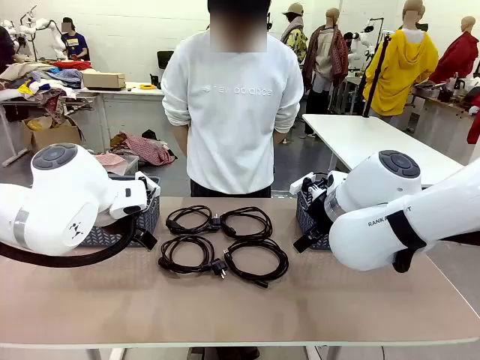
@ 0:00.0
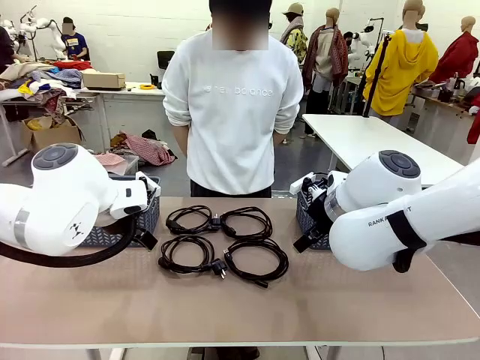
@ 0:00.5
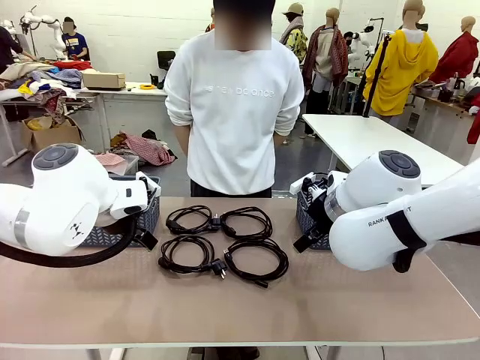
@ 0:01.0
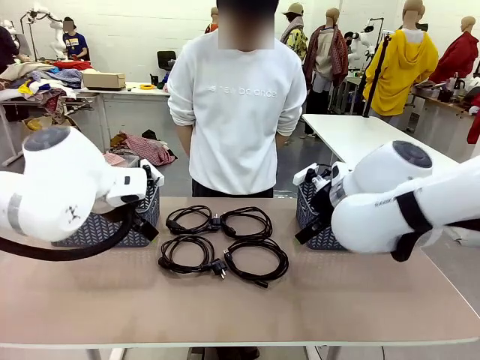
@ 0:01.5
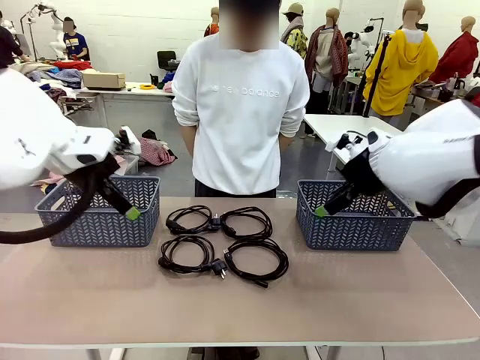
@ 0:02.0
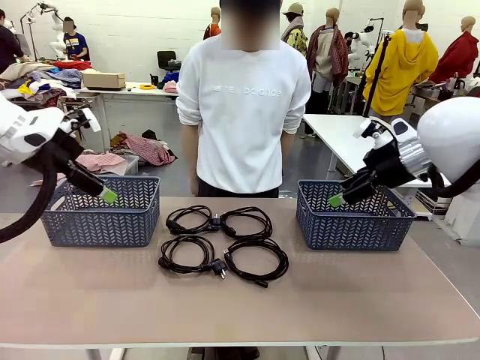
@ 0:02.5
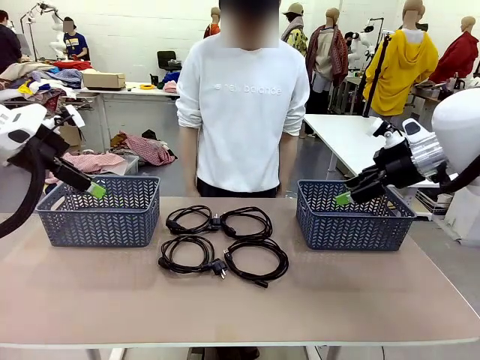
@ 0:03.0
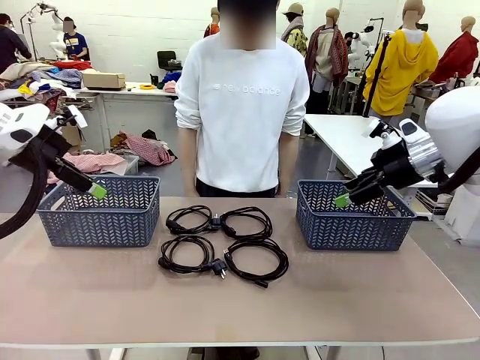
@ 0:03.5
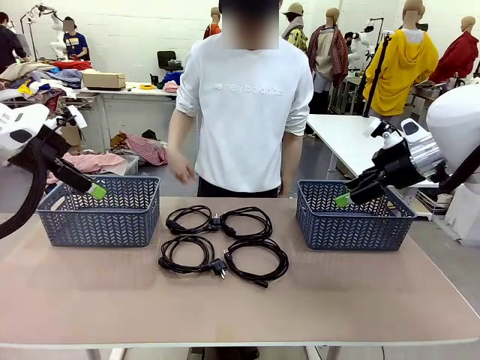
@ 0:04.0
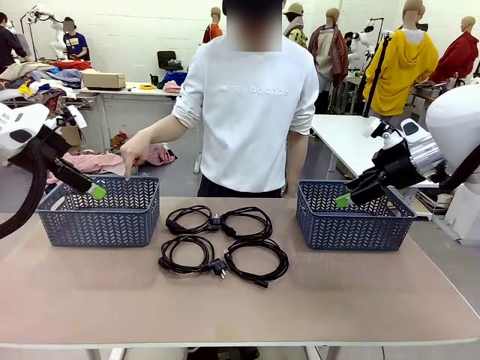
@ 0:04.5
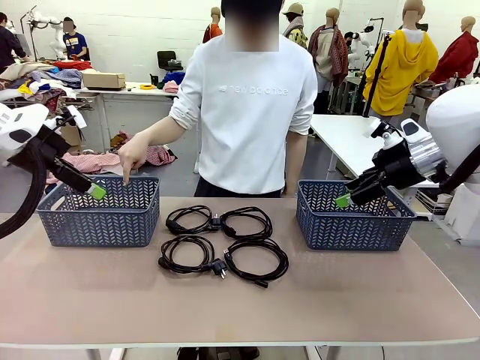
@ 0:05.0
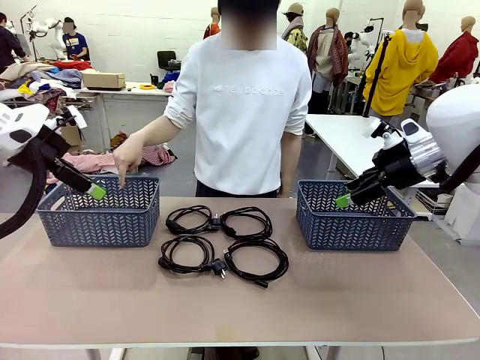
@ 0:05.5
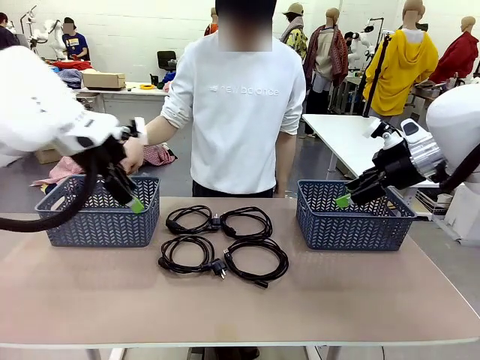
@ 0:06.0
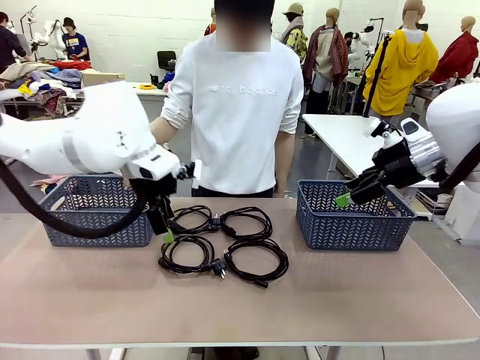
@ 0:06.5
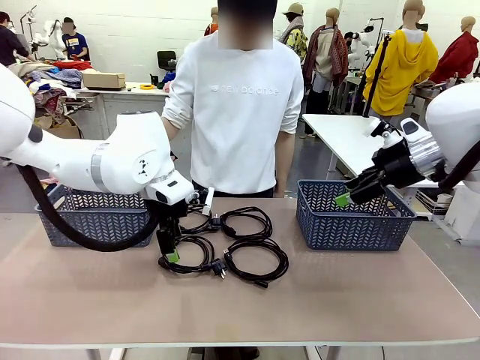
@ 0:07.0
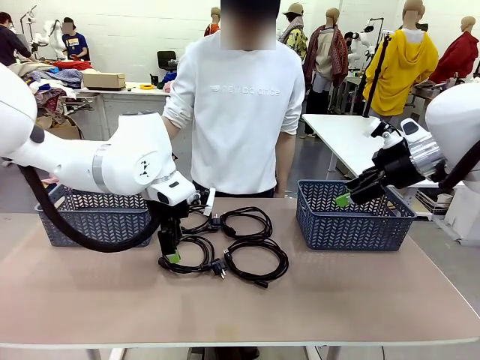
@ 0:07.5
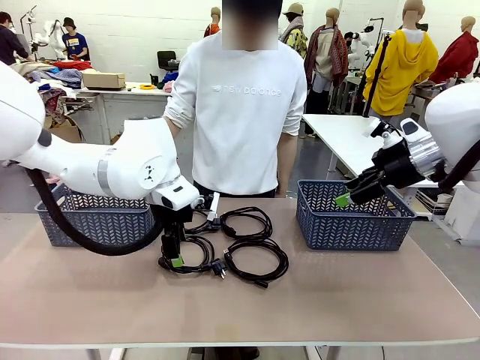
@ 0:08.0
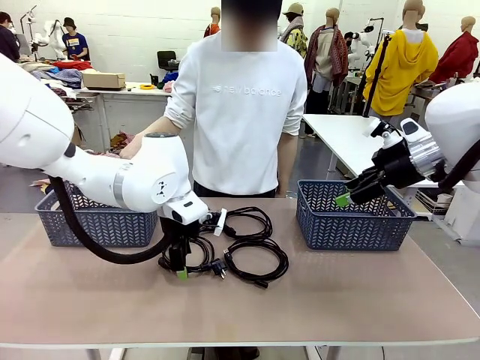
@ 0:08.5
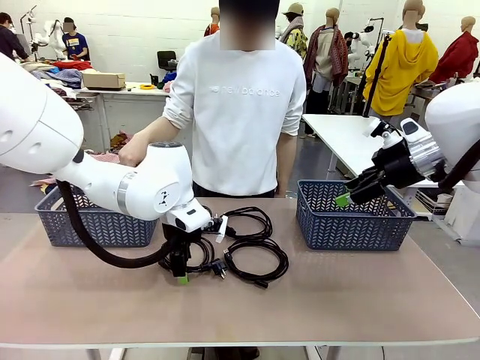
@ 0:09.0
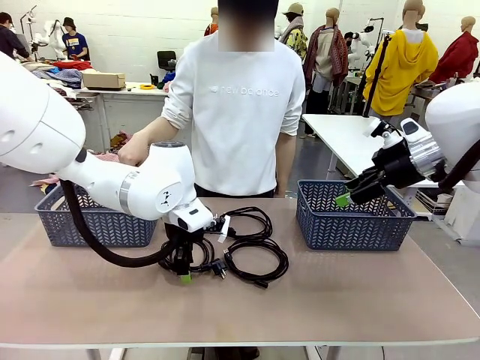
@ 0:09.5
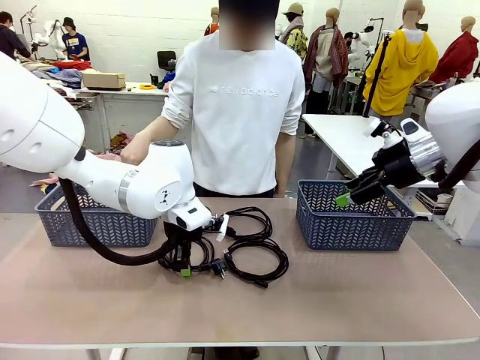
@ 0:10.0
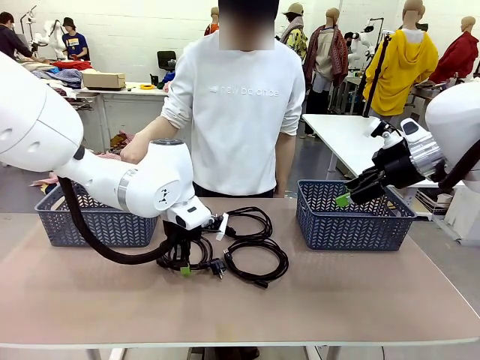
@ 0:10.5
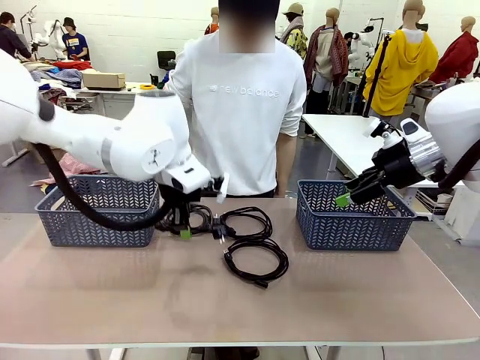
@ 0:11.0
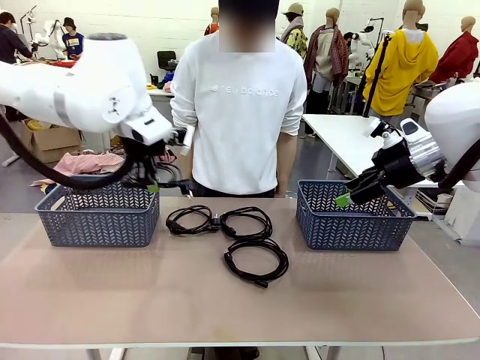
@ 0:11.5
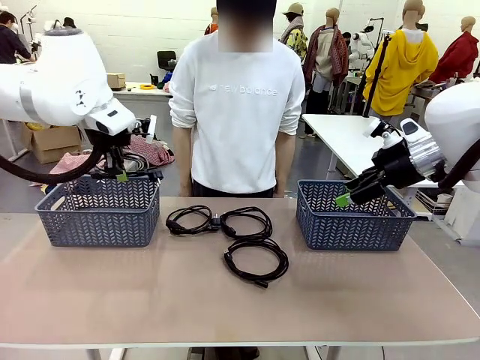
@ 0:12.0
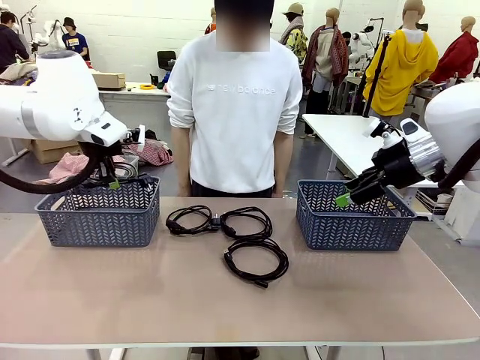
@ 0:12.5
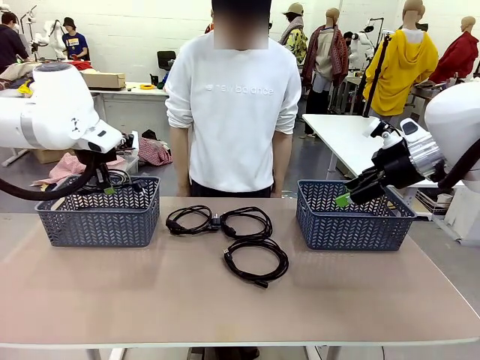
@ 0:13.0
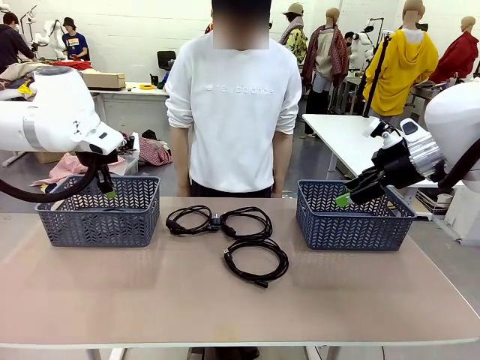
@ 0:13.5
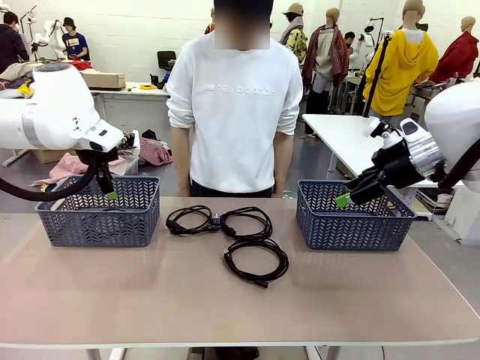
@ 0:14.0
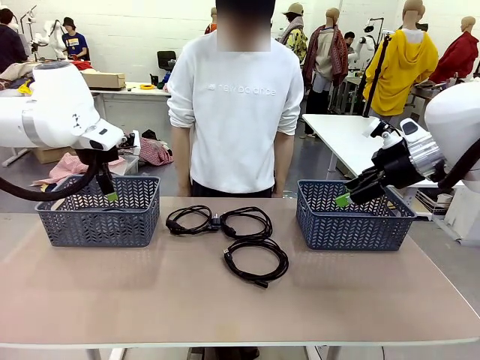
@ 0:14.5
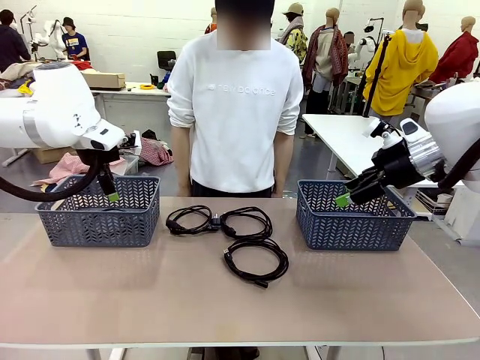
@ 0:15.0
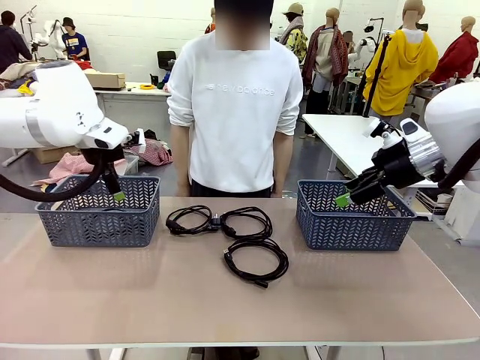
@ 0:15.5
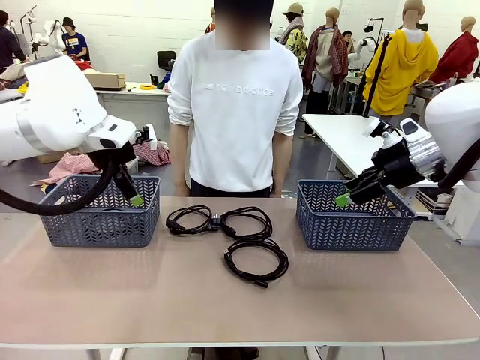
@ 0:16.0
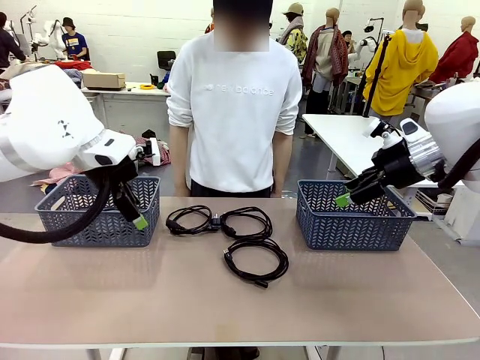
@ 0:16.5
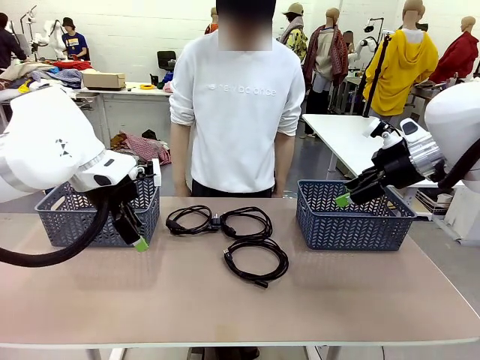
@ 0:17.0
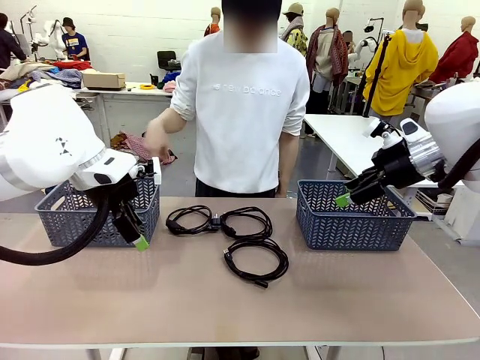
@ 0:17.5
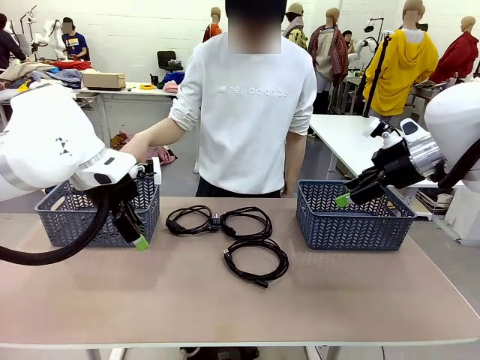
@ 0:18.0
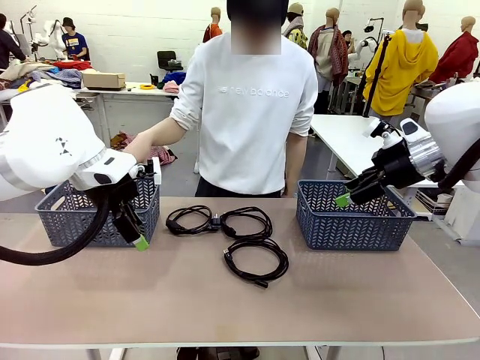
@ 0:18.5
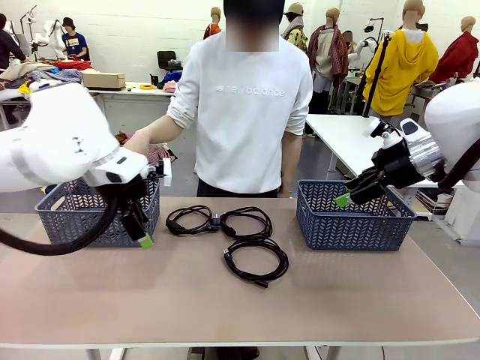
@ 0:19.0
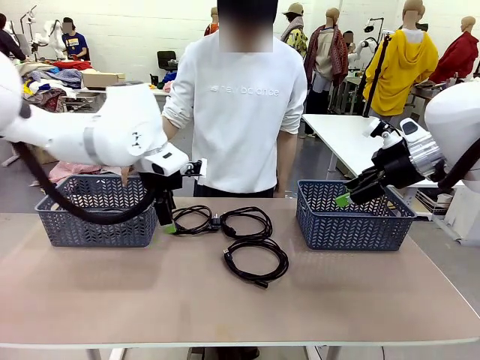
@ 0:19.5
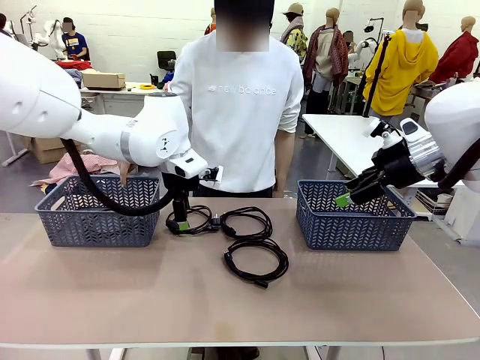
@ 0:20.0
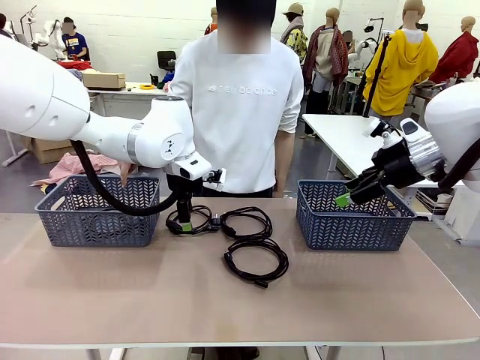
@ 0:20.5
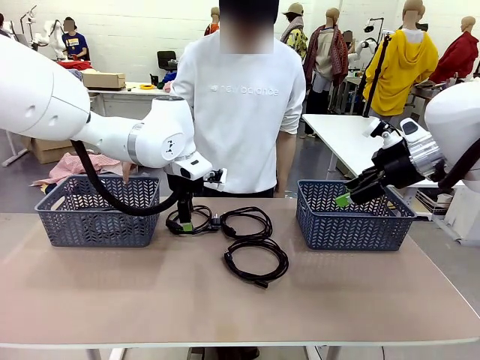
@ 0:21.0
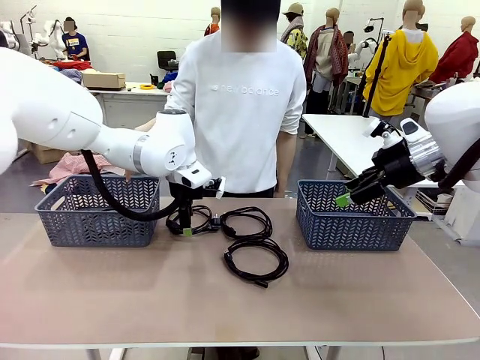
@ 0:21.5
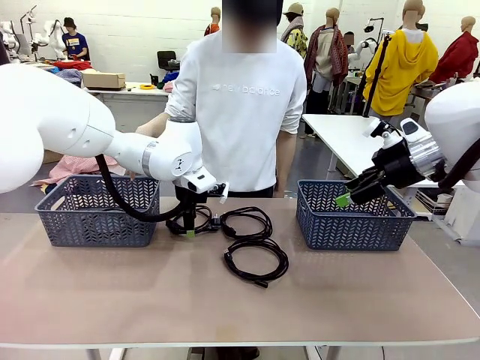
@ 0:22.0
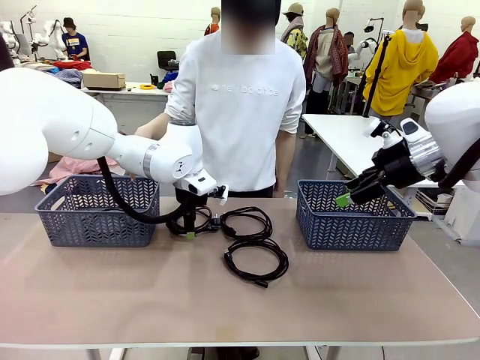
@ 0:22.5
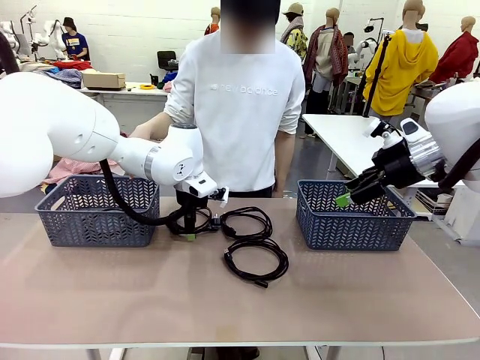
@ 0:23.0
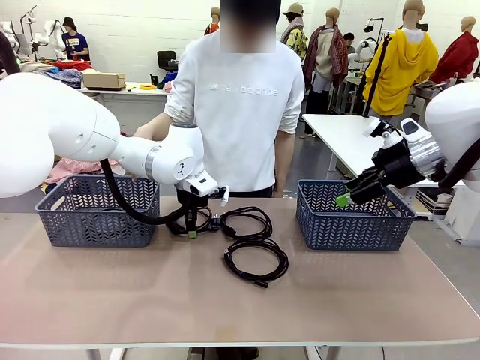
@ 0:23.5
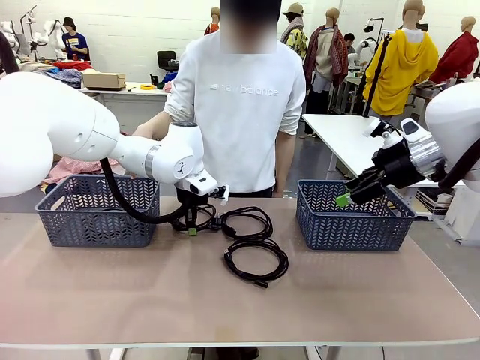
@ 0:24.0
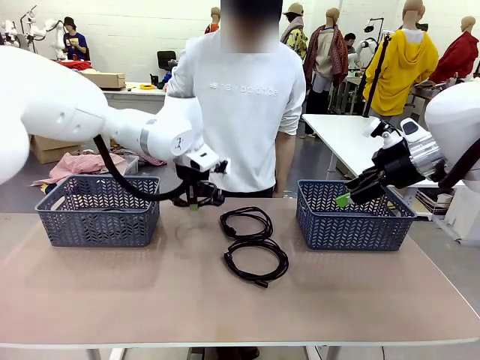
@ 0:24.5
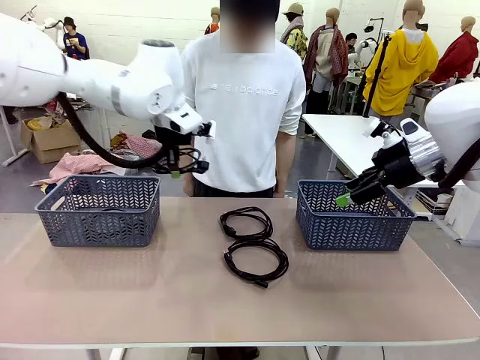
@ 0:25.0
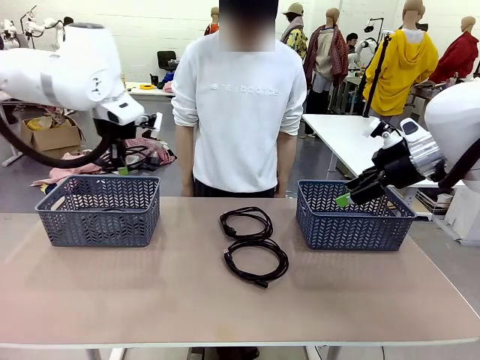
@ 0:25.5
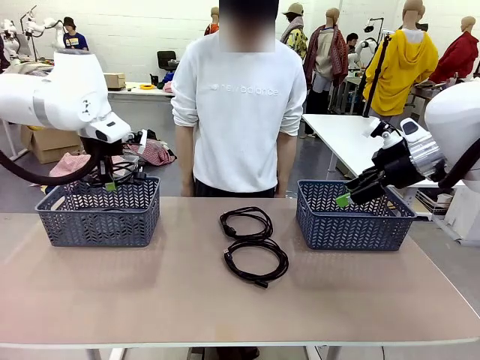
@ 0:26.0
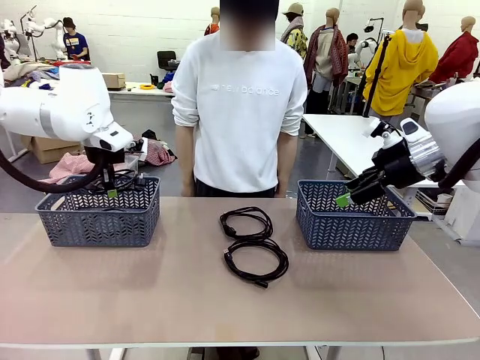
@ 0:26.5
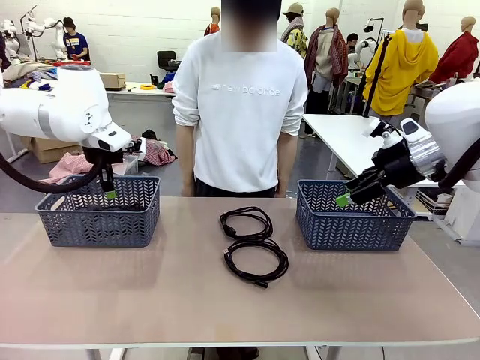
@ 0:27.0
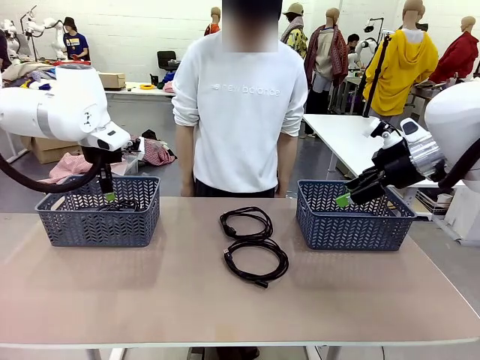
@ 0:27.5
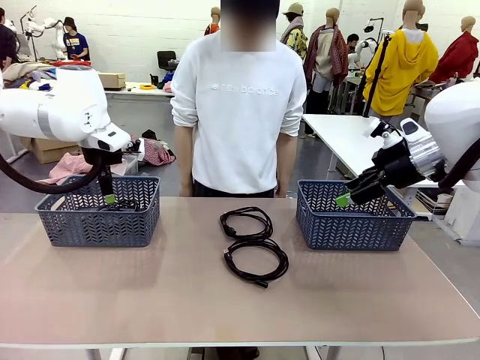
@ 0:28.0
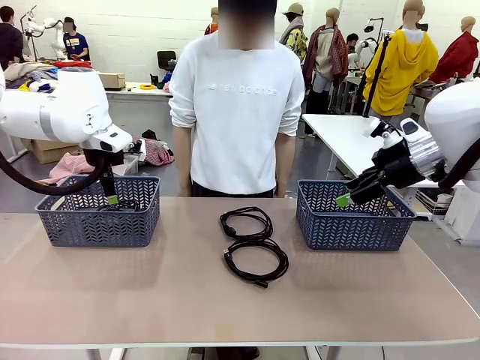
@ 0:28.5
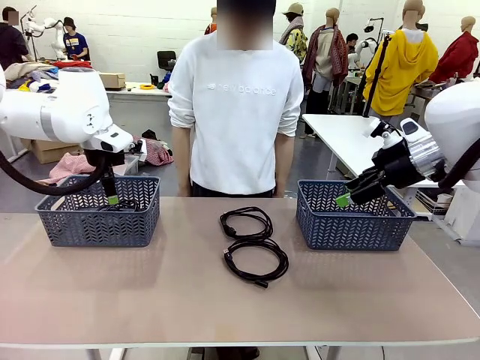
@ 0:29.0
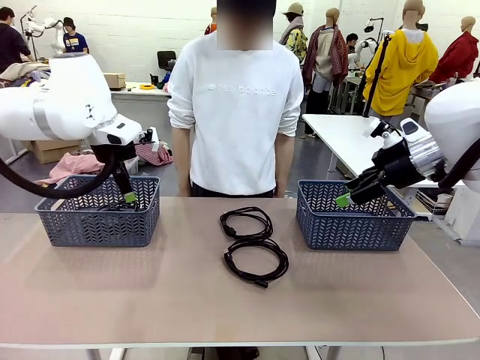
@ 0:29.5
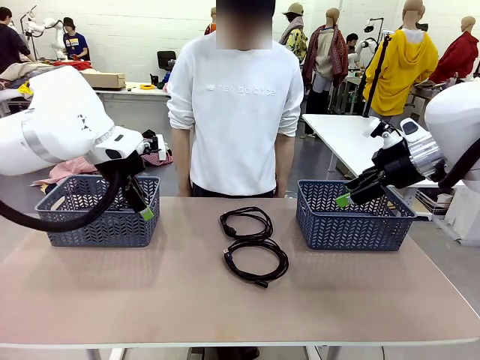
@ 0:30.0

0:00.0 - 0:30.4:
Task: Organize the cables according to human instructions.
Robot: Pick up a bundle of cables and place it in the basket indicated by the human.
